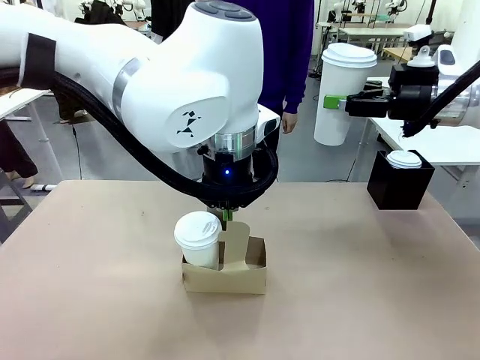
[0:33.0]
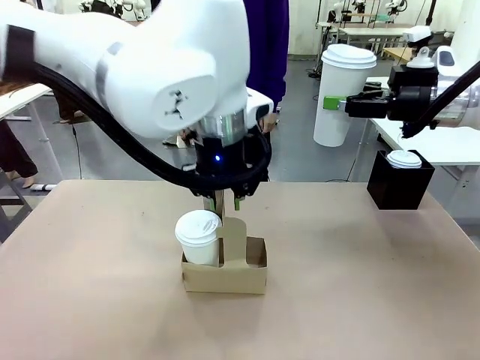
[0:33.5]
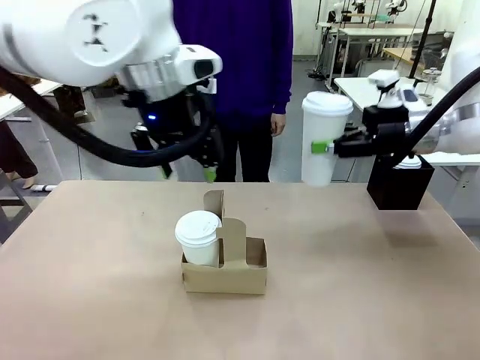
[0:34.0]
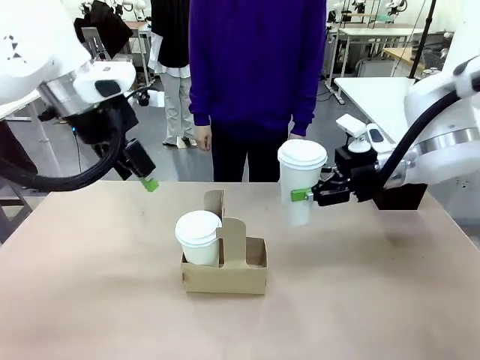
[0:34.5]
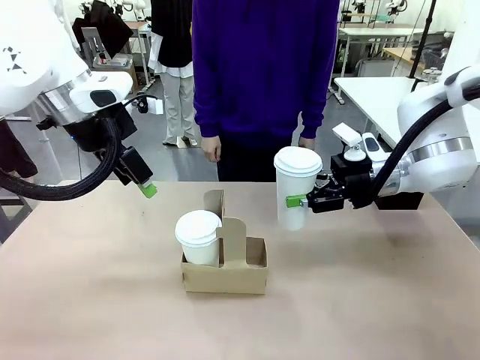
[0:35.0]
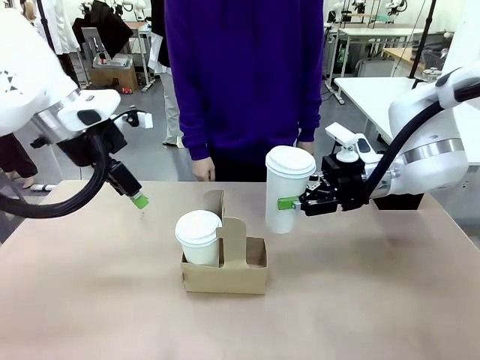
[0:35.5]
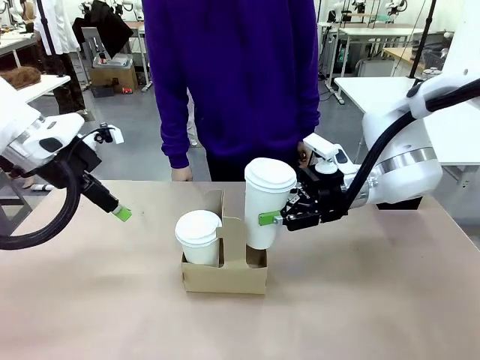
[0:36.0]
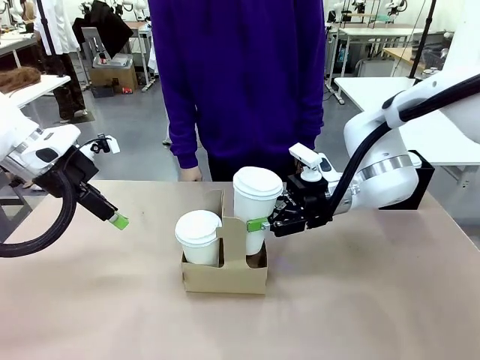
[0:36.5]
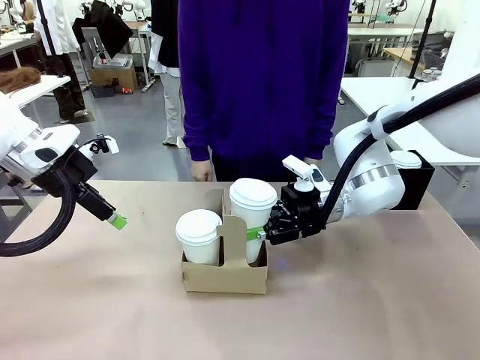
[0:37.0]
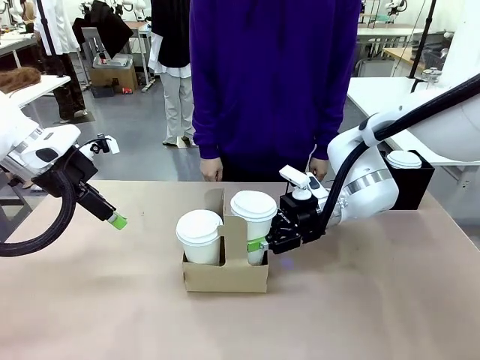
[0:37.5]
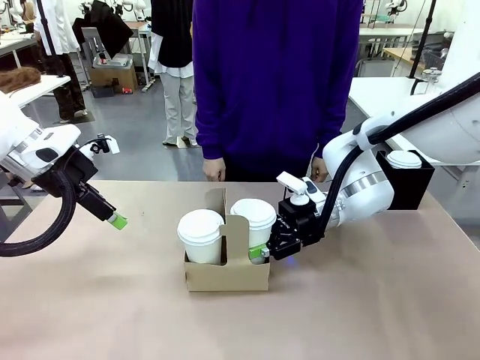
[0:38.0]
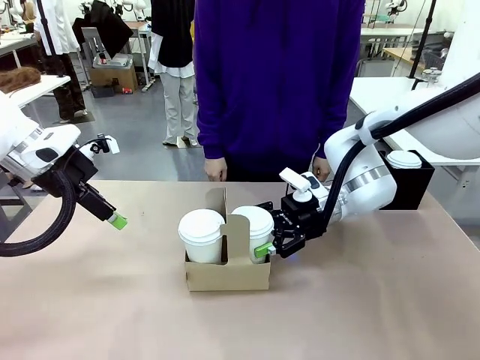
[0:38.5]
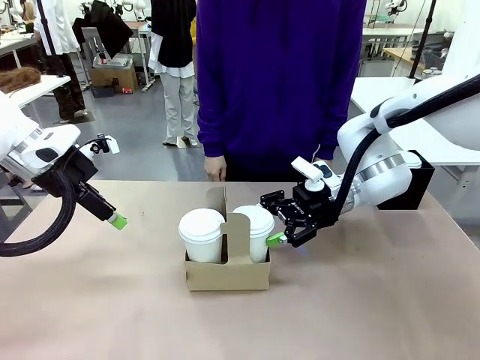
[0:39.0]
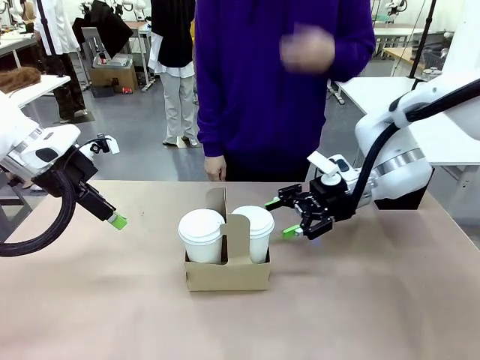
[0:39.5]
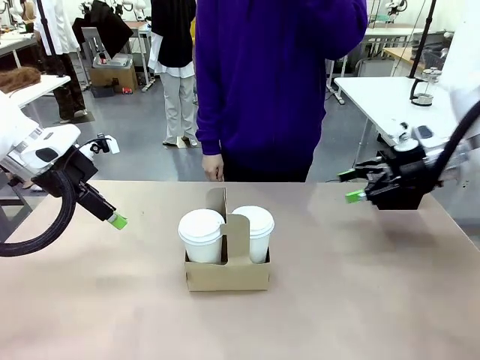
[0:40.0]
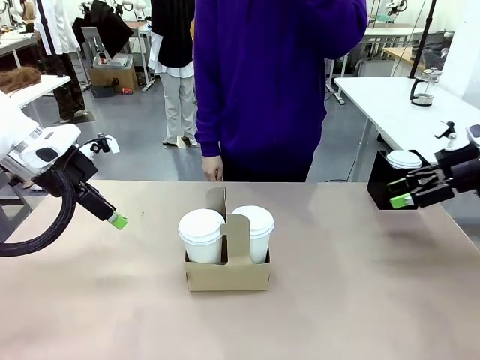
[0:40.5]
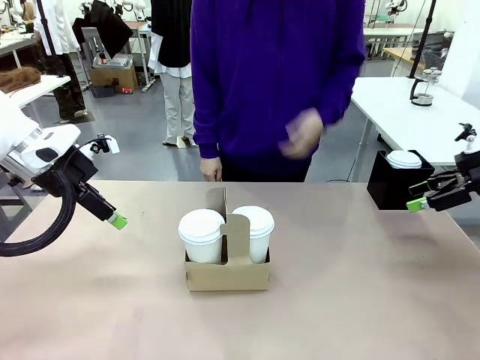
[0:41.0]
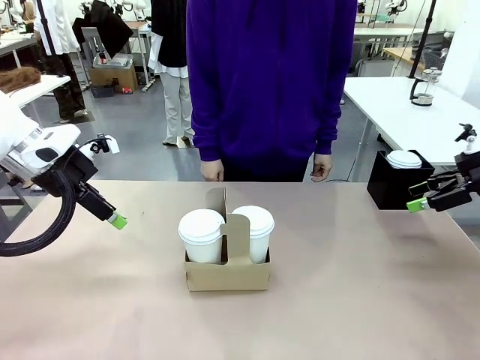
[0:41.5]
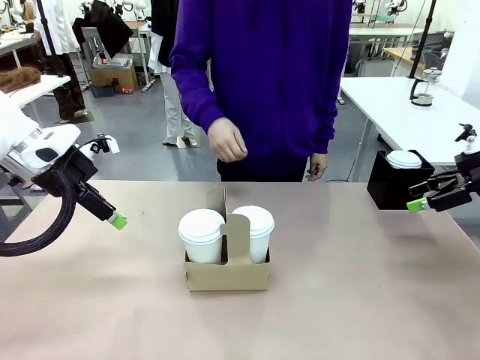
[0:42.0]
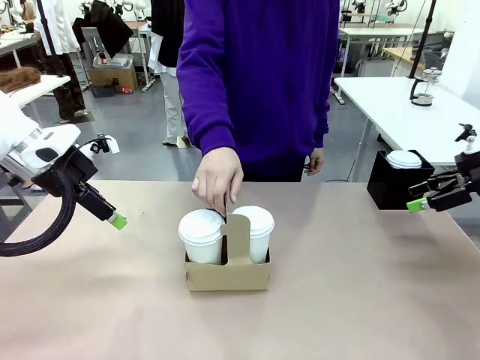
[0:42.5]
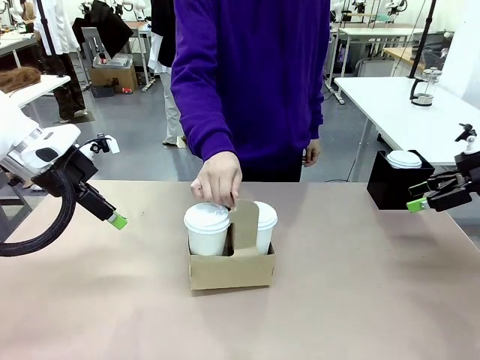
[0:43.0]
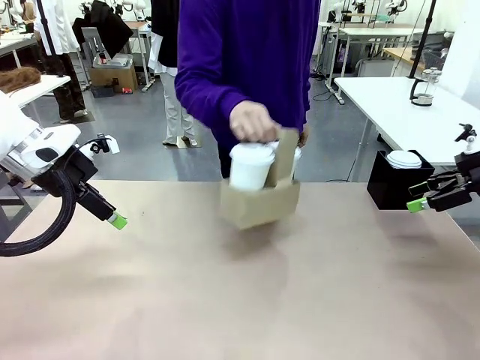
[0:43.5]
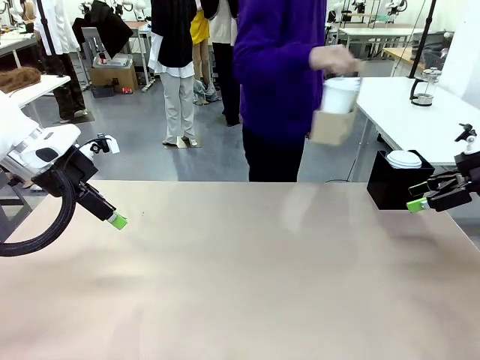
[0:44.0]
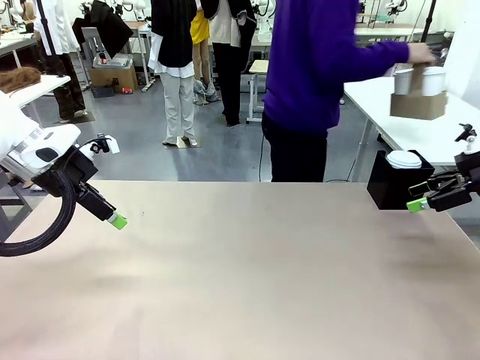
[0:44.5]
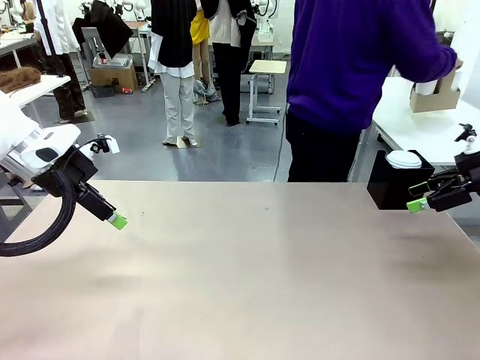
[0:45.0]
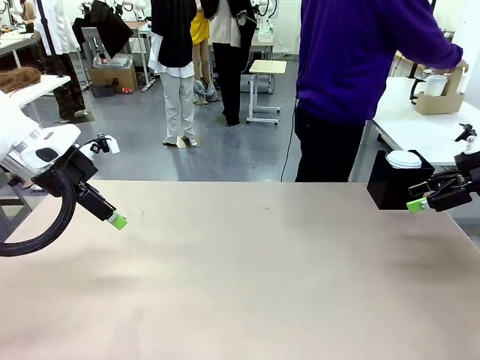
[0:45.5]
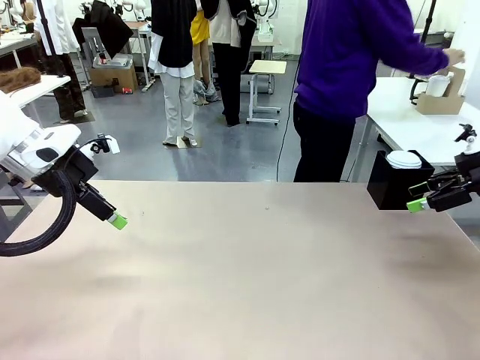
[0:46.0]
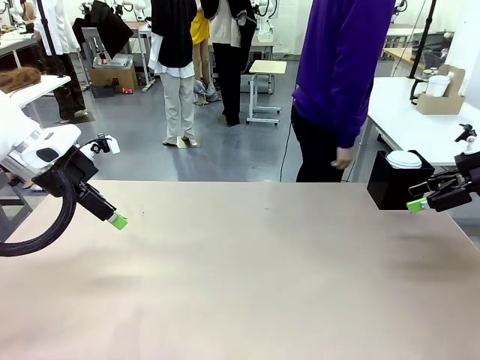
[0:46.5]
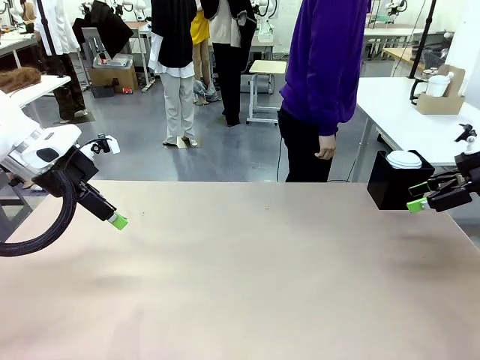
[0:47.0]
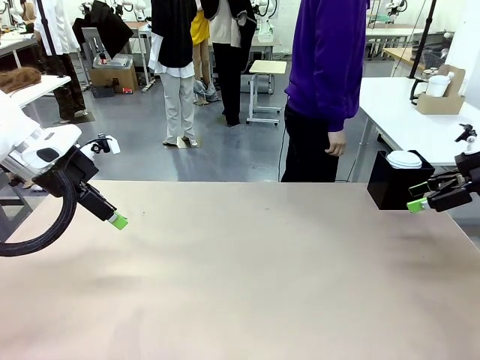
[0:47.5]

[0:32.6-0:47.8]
Task: Pour a drink into a cup and package it in a carrier.
Robot: Insert the held 600 ml Paper Cup into the Cup Carrier.
Person: Place the Cup Carrier to the middle of Human table.

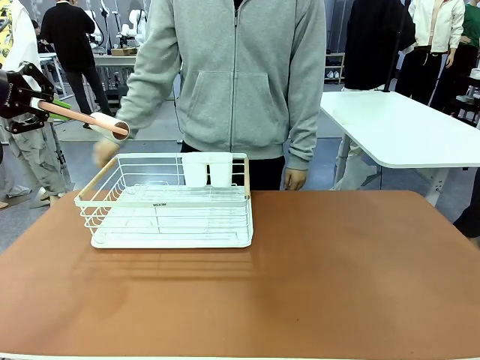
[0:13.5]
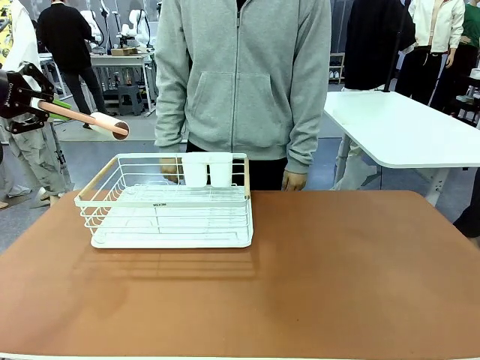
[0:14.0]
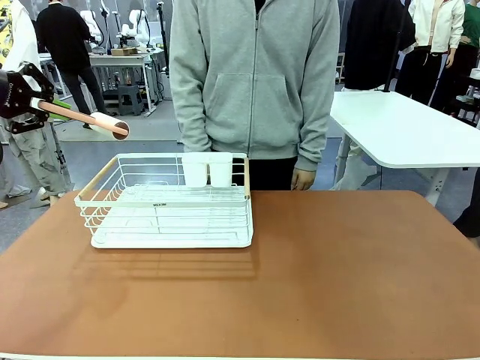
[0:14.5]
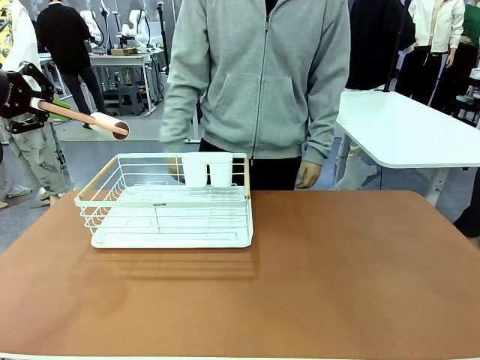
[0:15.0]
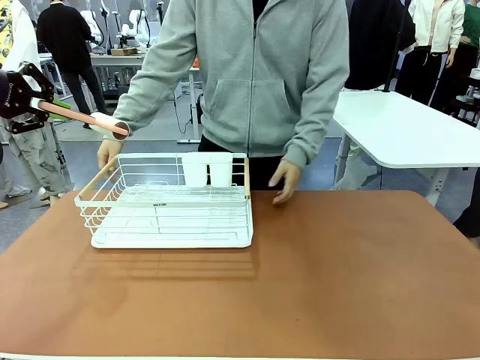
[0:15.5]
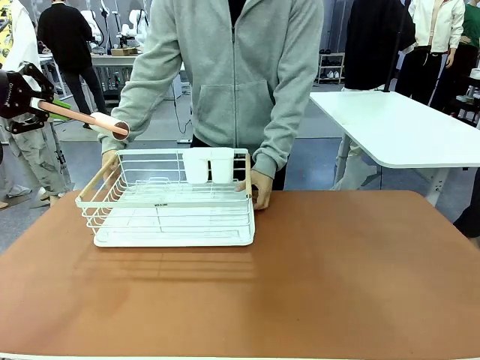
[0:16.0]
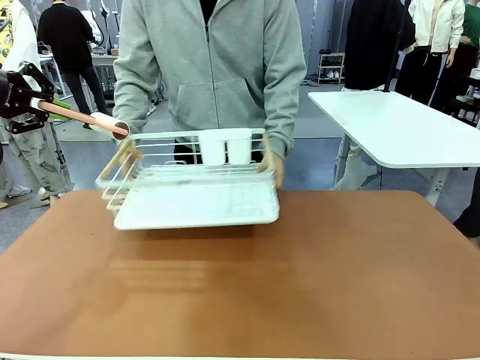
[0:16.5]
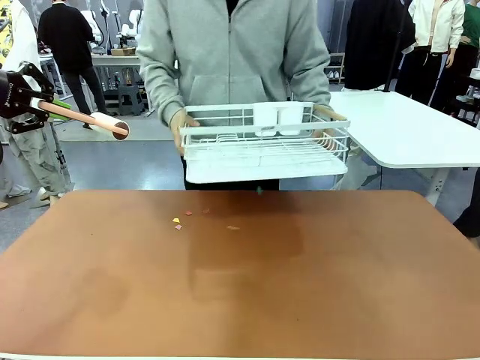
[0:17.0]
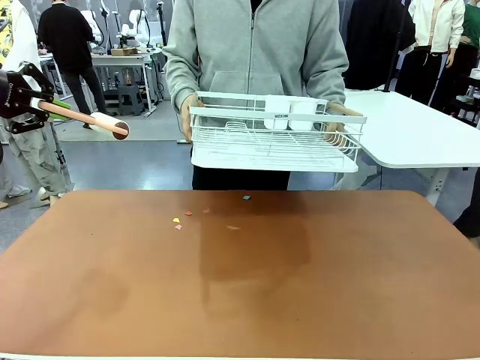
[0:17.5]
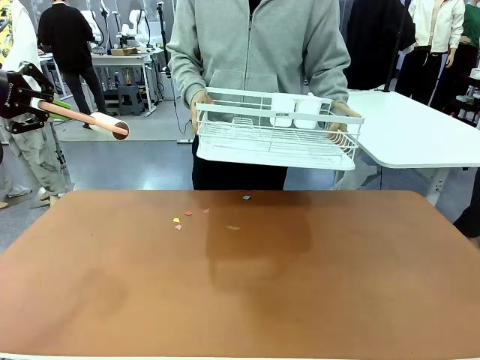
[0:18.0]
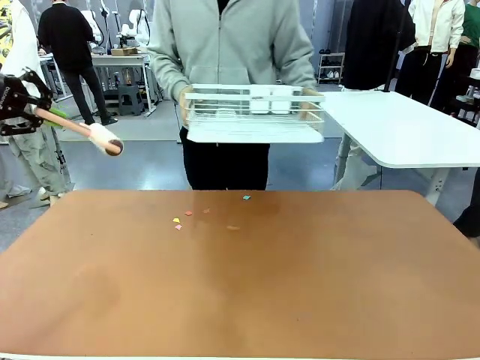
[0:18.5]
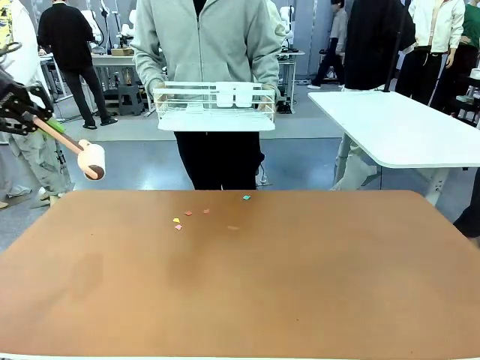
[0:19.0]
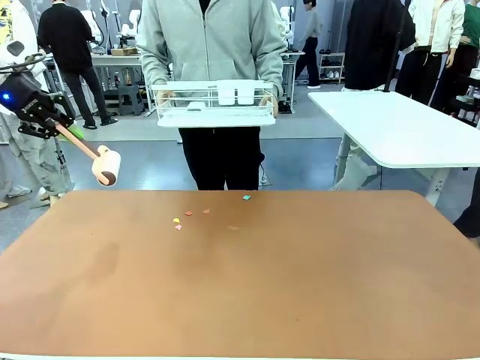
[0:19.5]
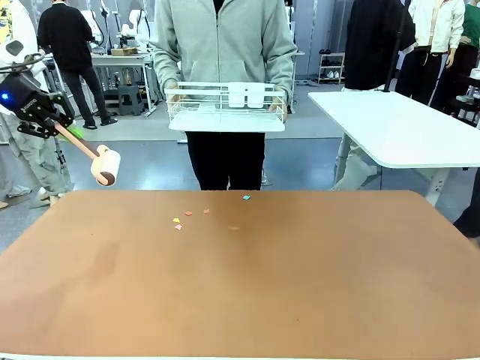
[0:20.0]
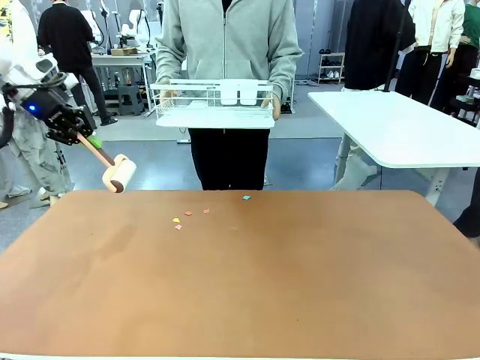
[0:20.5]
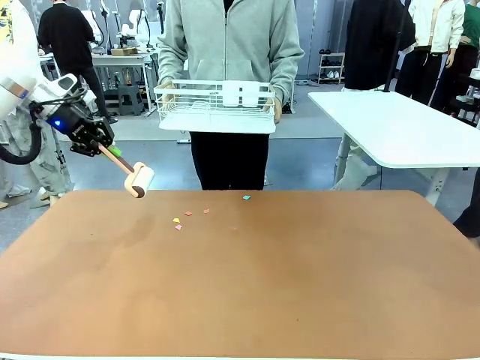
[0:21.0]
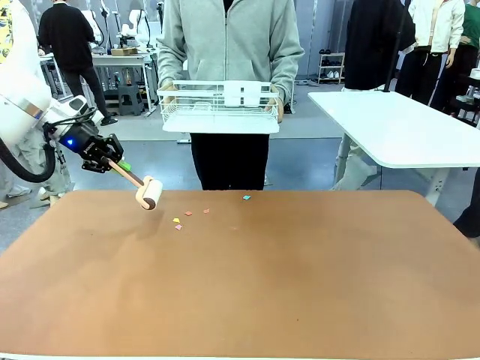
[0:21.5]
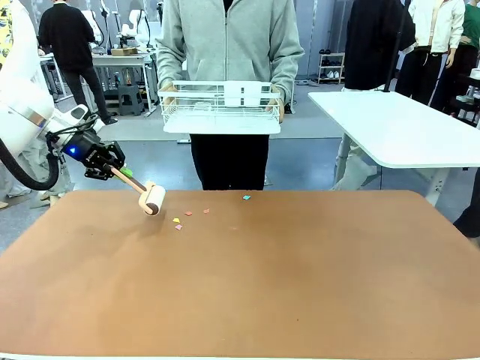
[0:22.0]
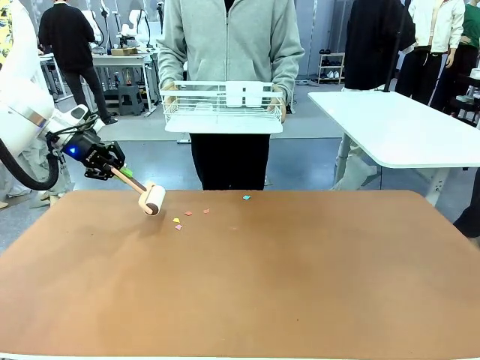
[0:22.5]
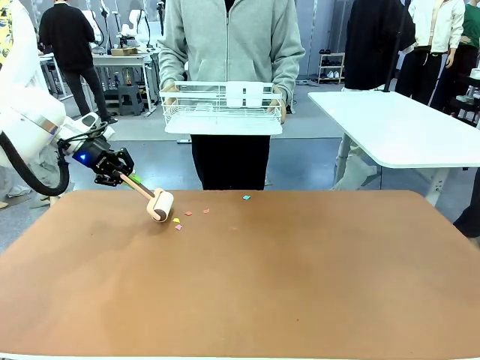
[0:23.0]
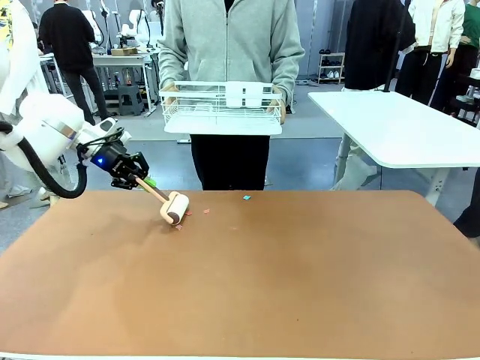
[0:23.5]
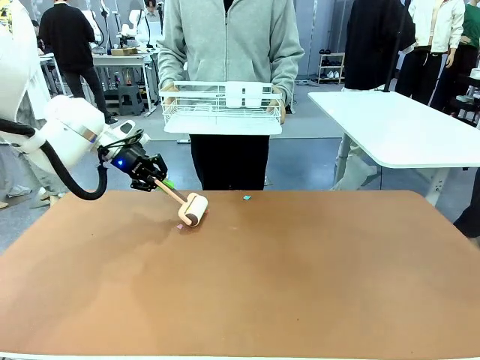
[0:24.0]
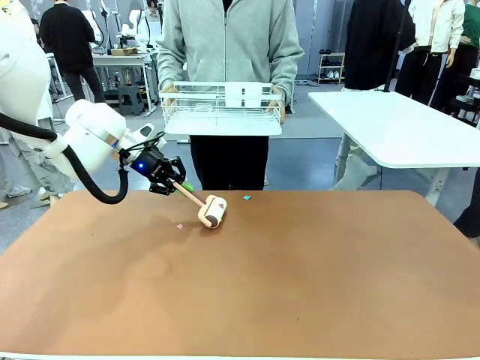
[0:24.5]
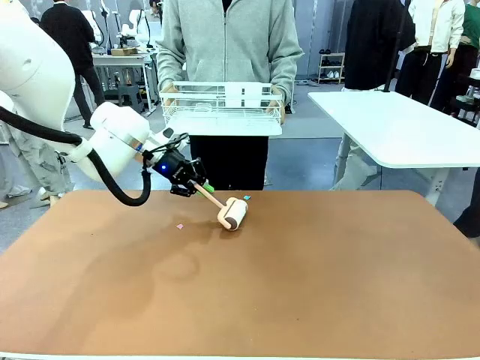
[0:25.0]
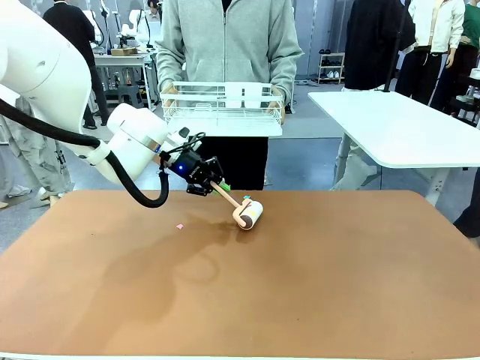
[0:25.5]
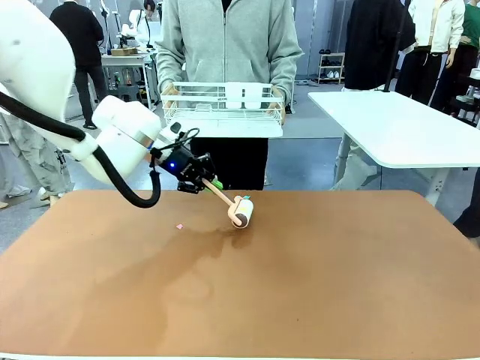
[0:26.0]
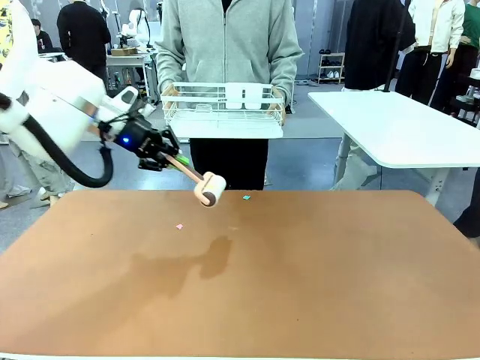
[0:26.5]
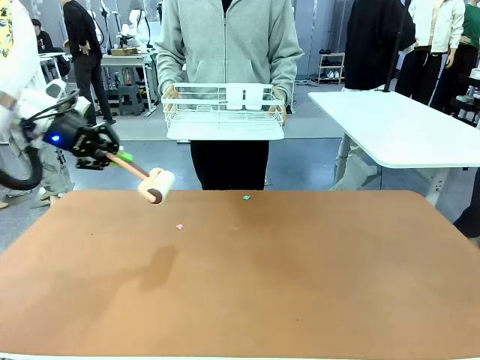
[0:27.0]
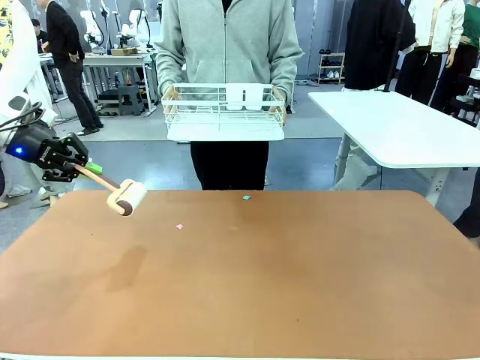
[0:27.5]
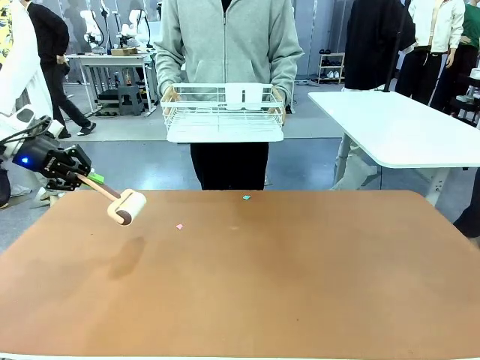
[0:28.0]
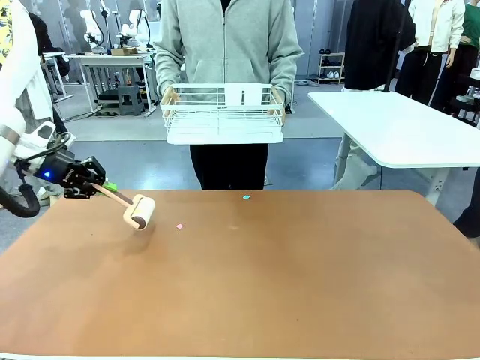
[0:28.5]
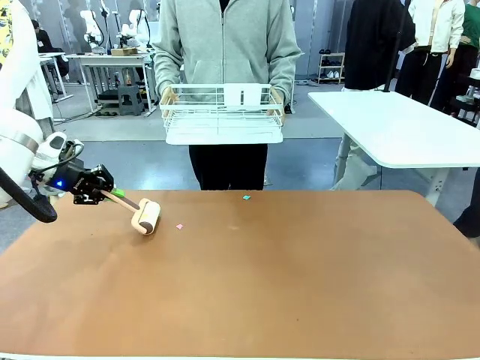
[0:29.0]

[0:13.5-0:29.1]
Task: Clean the table.
Robot: Clean the table with the Lint Roller when the human lifts the Dish drying rack.
